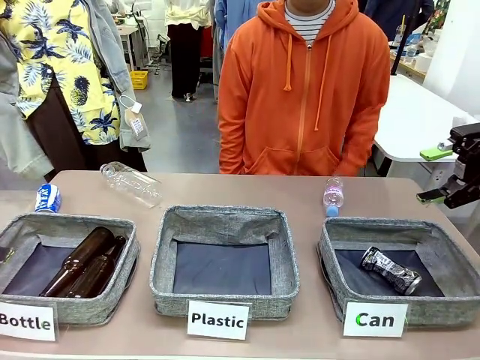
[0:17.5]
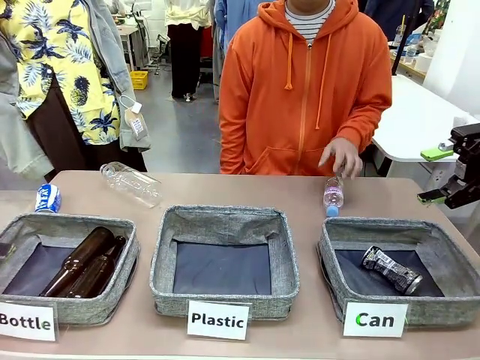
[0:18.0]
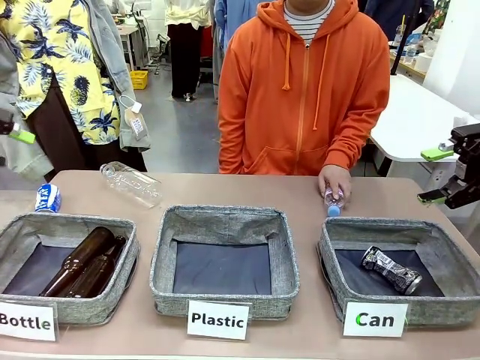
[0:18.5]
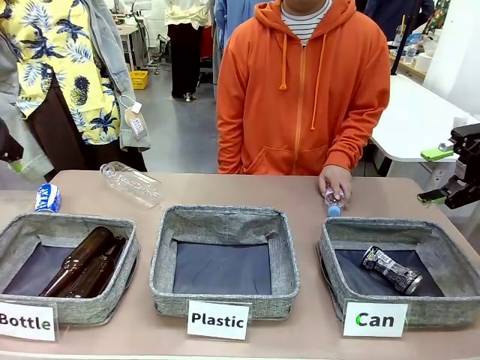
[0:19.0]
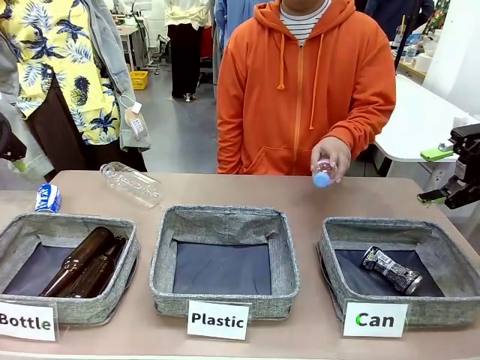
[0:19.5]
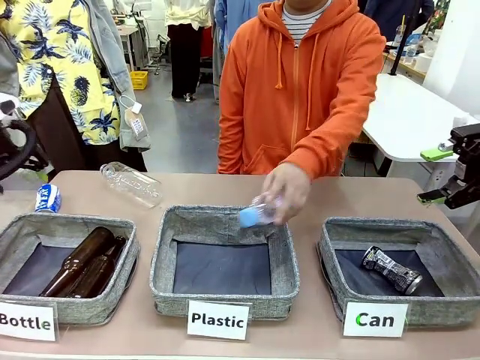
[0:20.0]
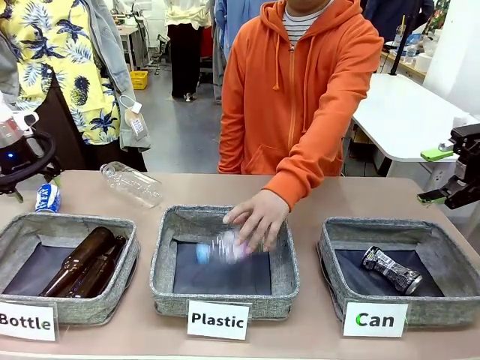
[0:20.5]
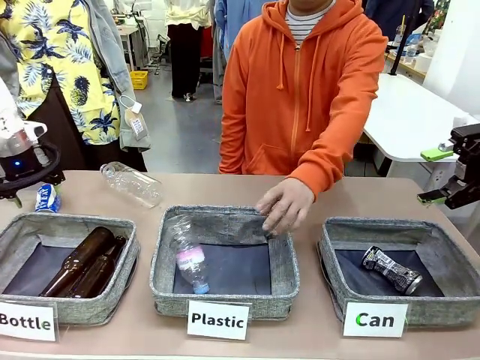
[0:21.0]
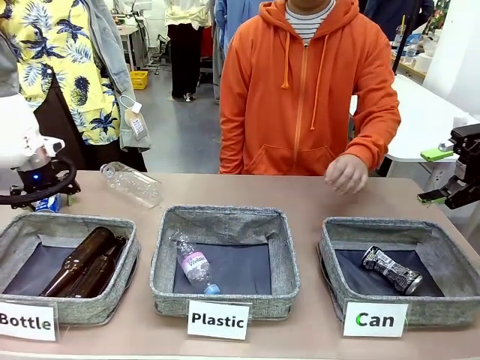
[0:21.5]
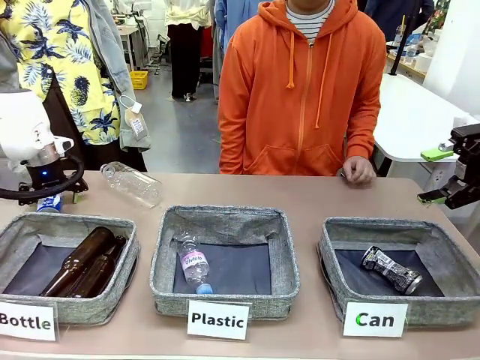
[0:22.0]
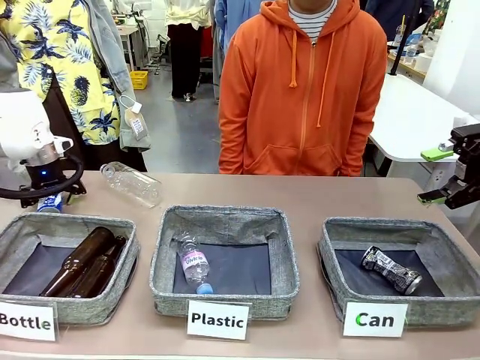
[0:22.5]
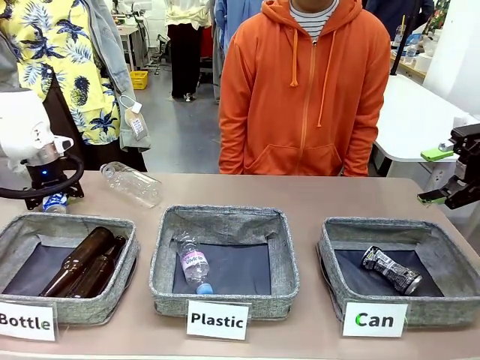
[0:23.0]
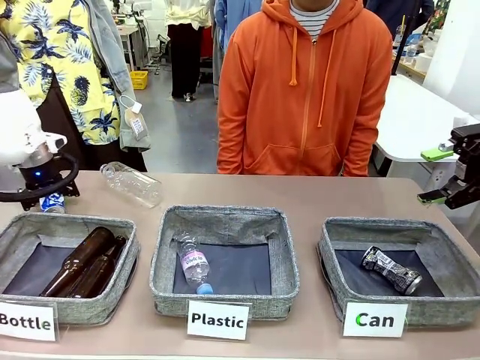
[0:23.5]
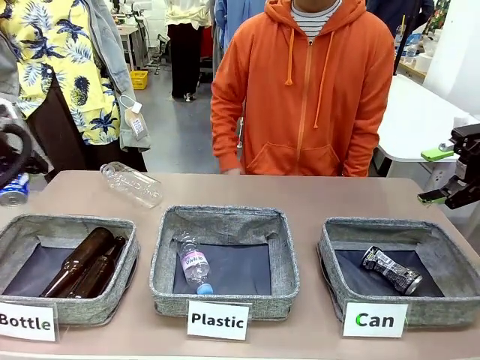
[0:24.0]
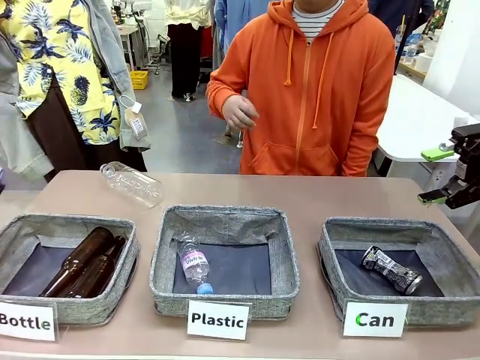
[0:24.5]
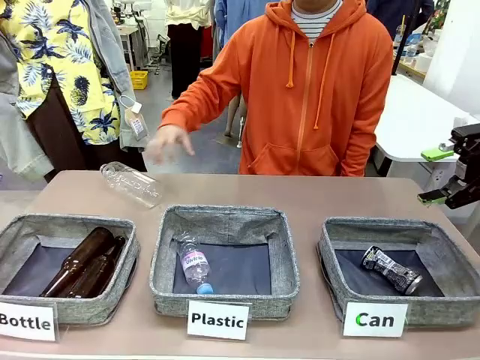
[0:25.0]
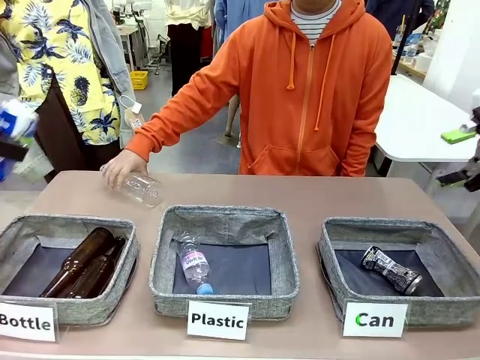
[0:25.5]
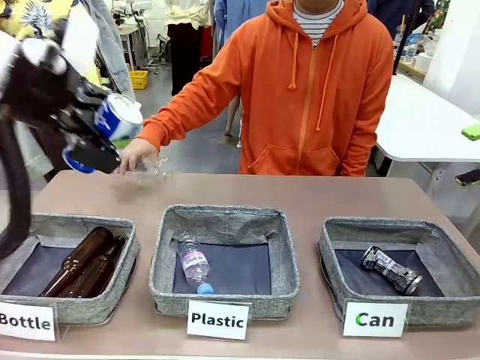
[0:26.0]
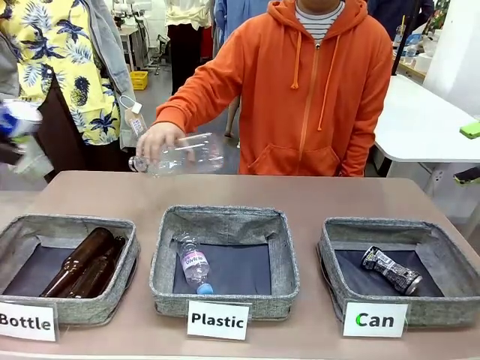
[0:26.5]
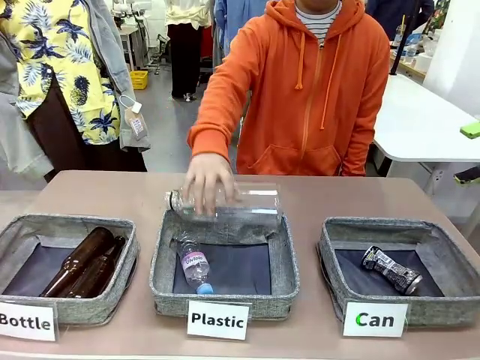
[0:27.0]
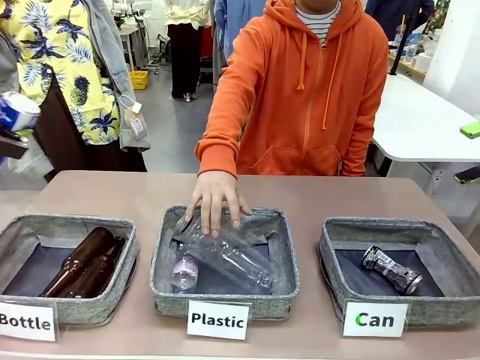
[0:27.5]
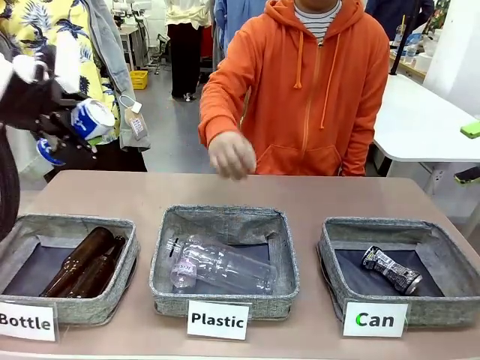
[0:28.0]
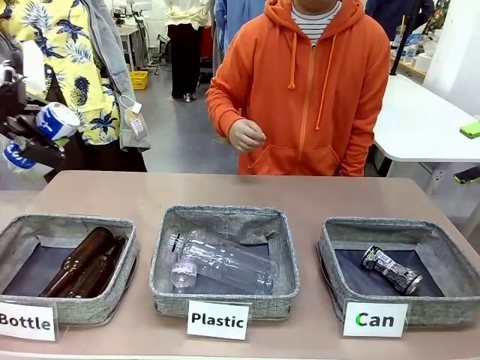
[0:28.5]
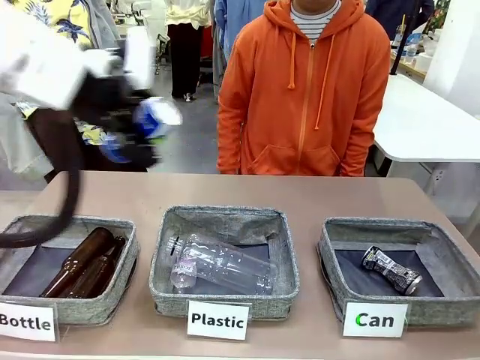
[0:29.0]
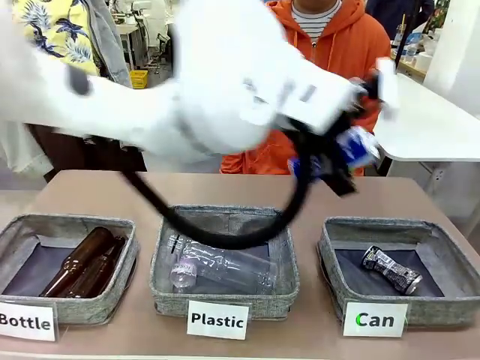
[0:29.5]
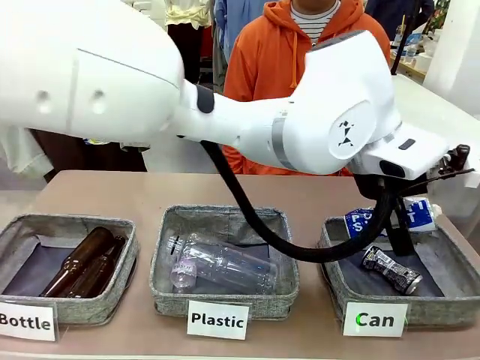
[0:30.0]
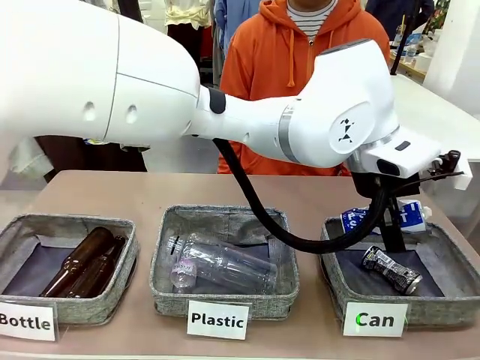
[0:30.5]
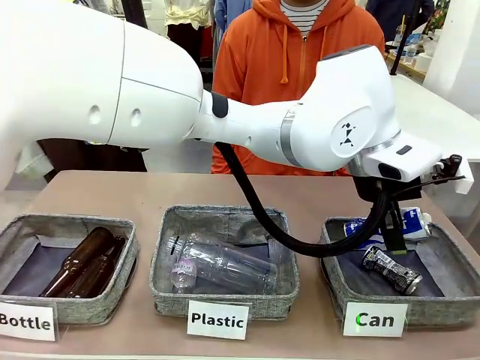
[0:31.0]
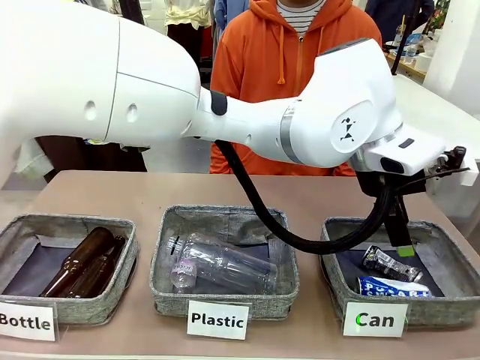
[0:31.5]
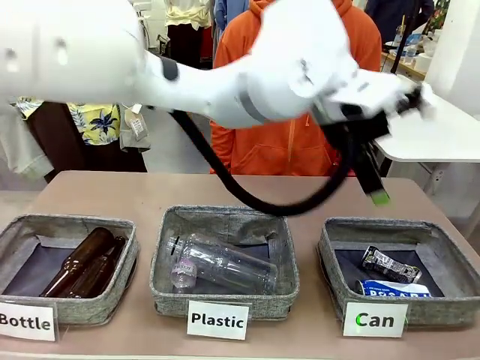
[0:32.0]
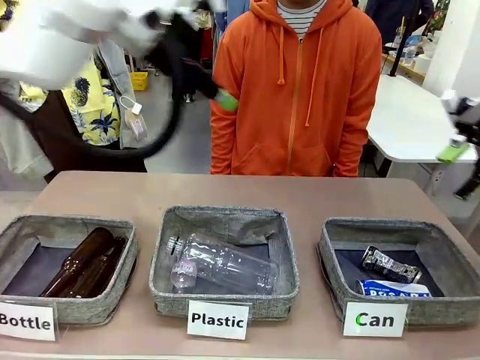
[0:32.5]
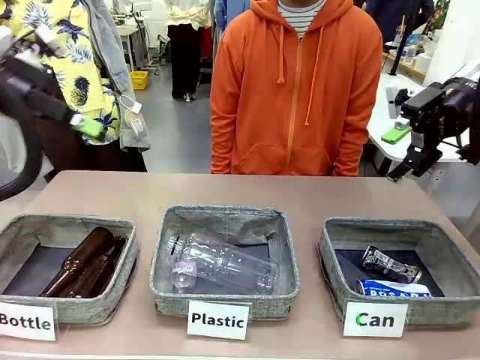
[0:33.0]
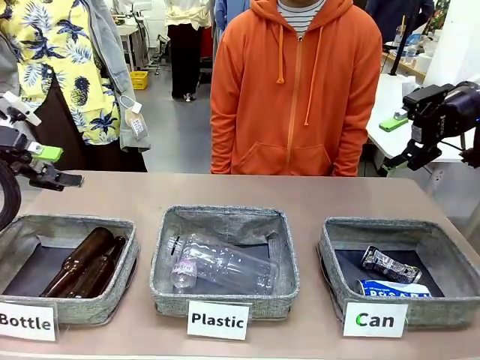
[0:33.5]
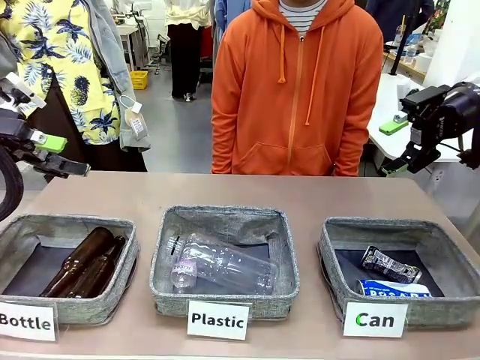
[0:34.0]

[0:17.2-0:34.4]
Task: Sort the can waste into the basket.
Robot: Pick up the can waste from the table and place it in the right Fabric basket.

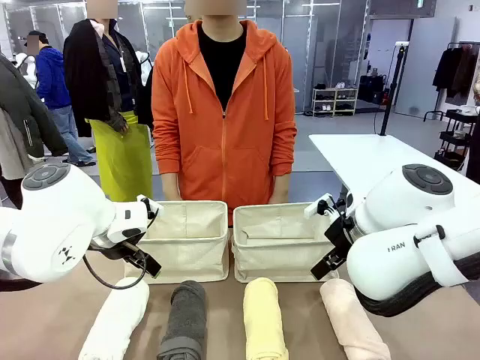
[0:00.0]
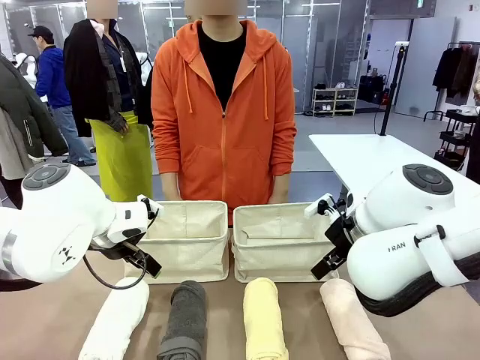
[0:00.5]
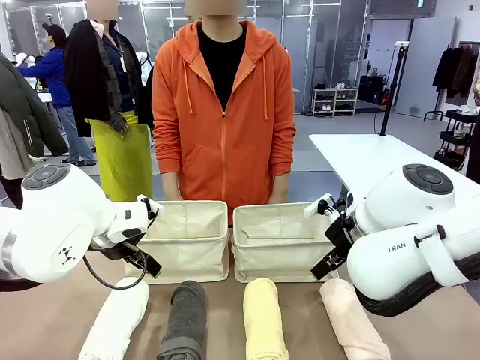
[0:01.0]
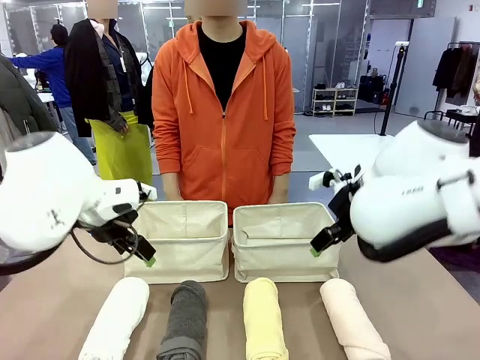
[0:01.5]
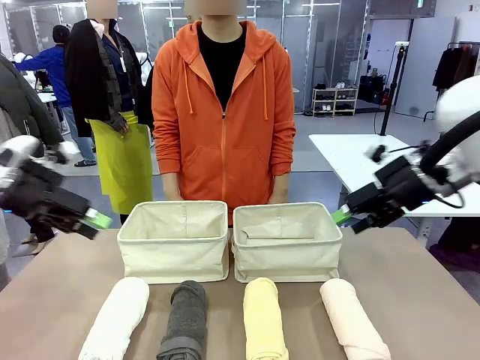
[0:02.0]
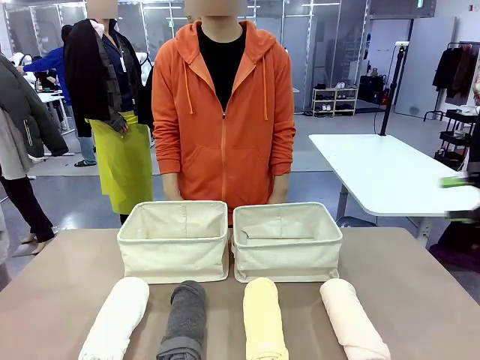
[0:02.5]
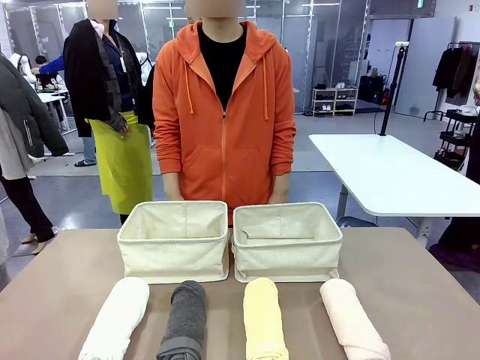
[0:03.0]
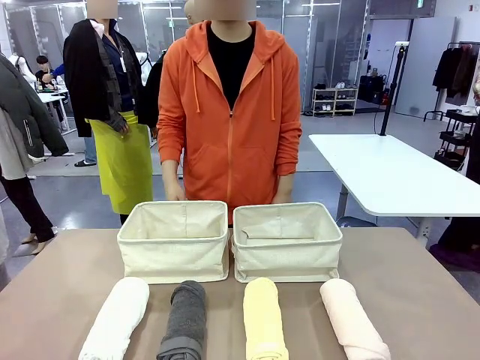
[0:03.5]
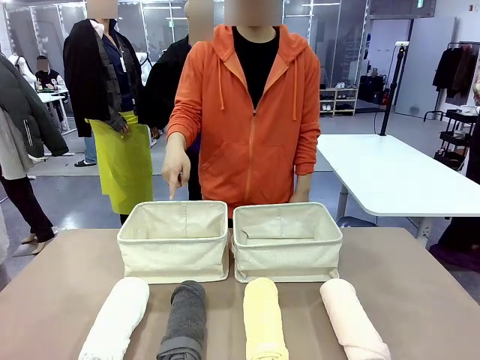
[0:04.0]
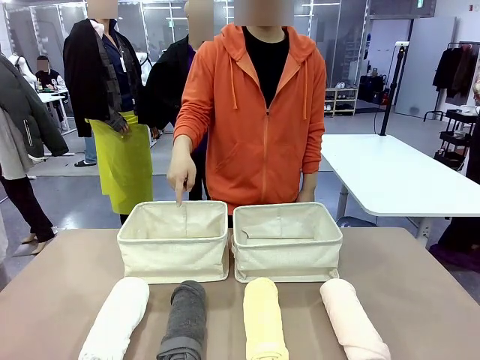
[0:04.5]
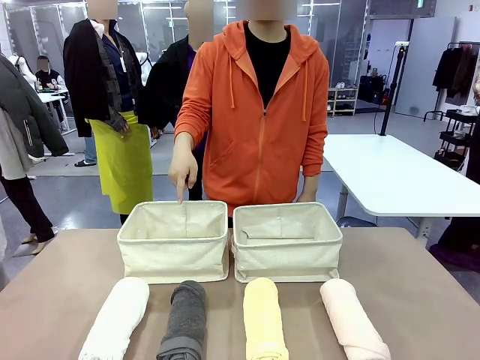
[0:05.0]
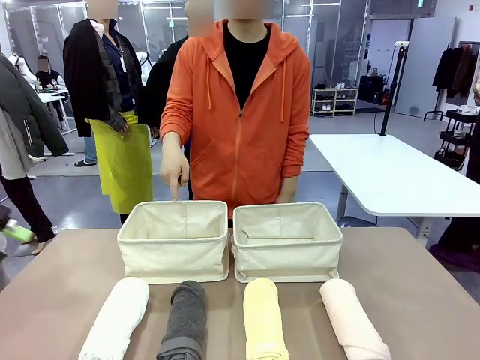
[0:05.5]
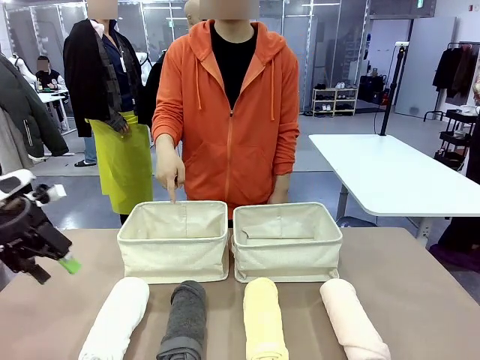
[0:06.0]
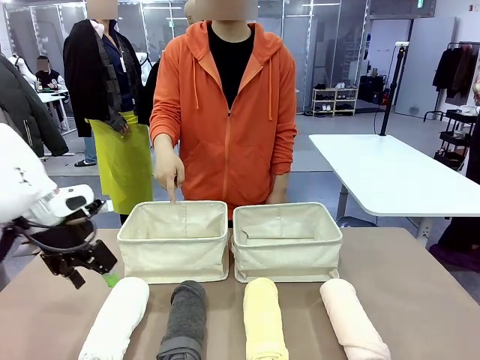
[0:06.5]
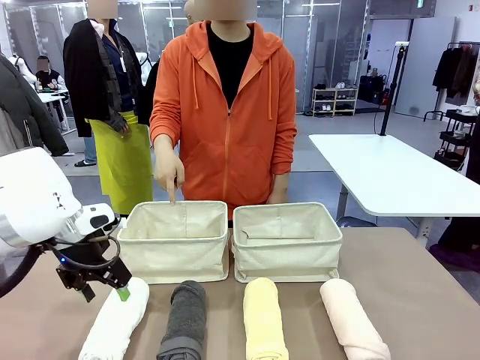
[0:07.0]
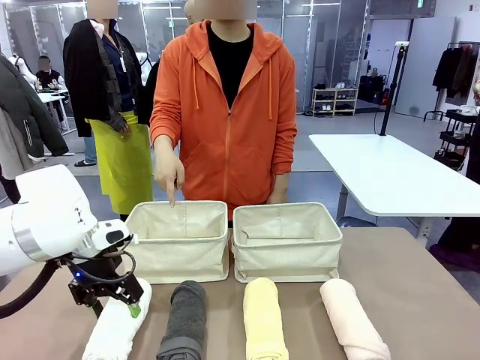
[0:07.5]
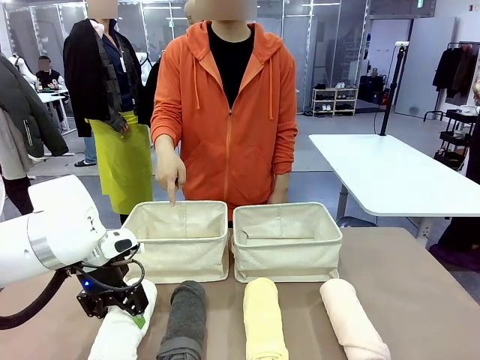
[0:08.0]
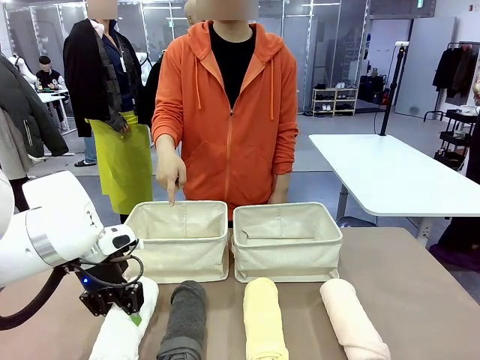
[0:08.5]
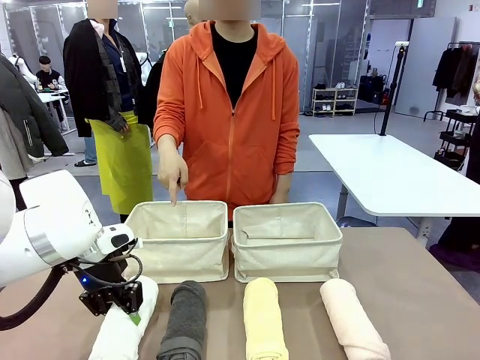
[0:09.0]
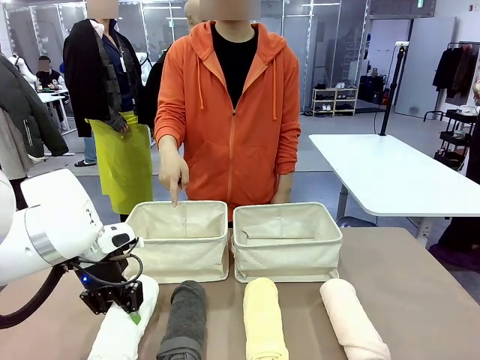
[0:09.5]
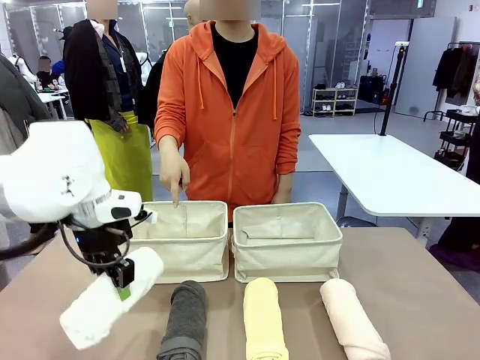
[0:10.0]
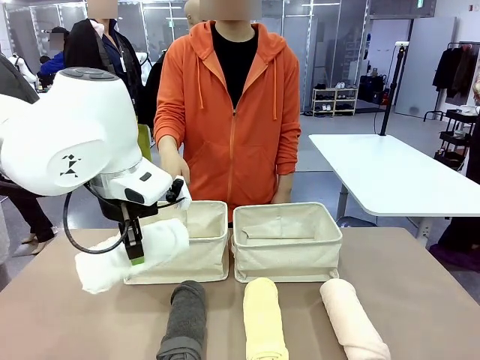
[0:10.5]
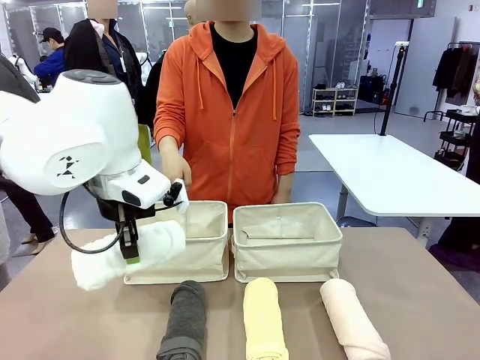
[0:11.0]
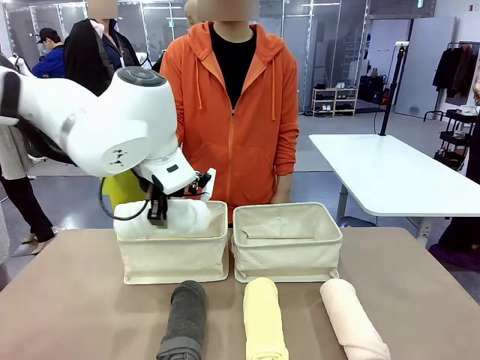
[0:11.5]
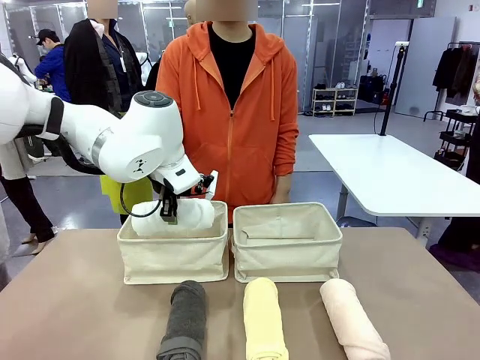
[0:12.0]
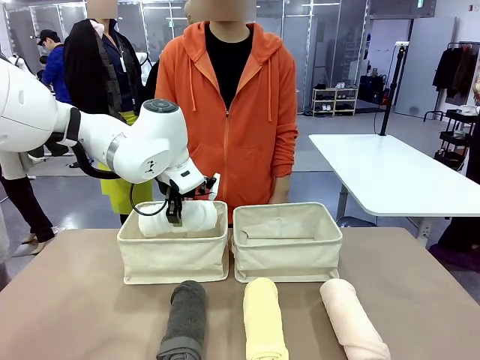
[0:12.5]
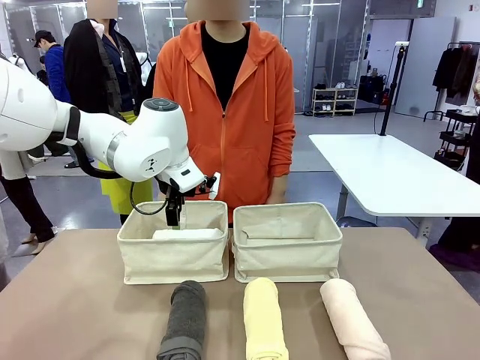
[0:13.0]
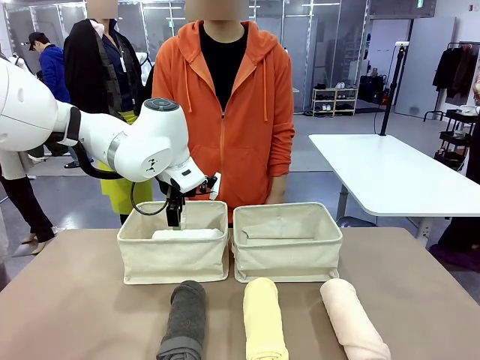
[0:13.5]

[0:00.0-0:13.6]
Task: Divide the towels into two baskets.
Robot: Pick up one hotel-folded towel and place it in the Fabric basket indicated by the person.
